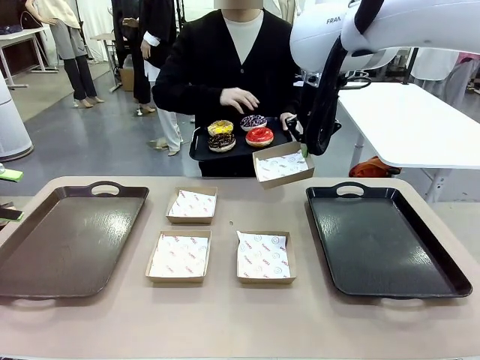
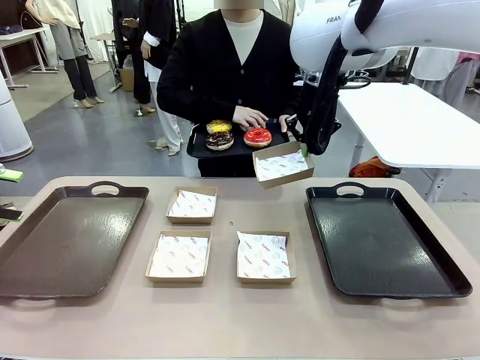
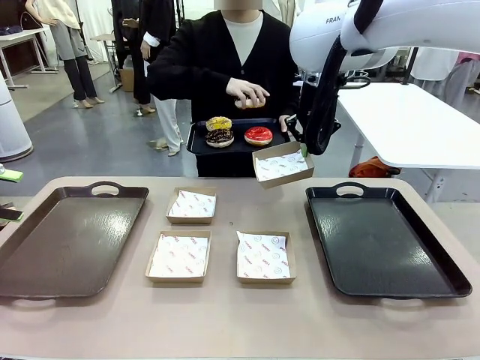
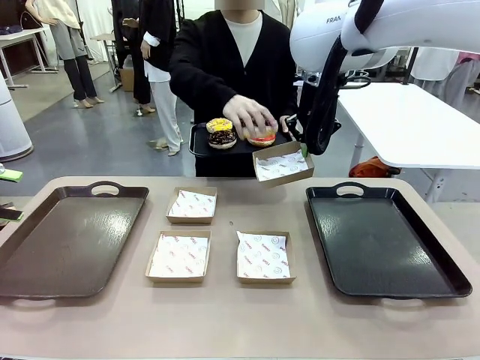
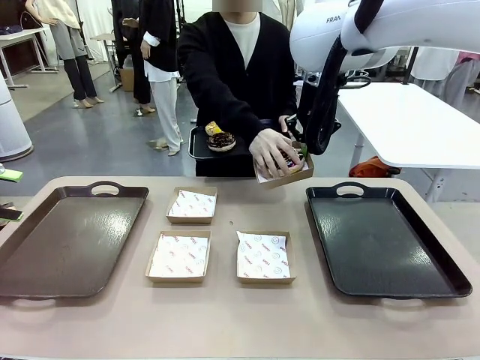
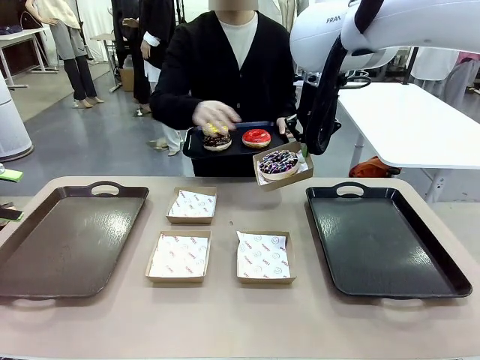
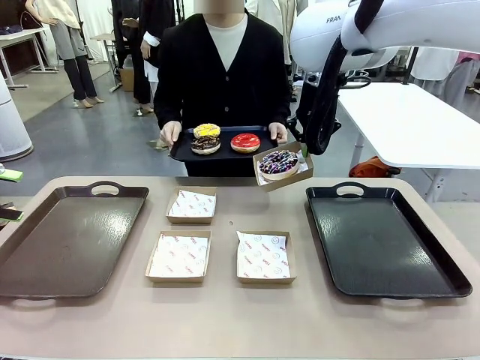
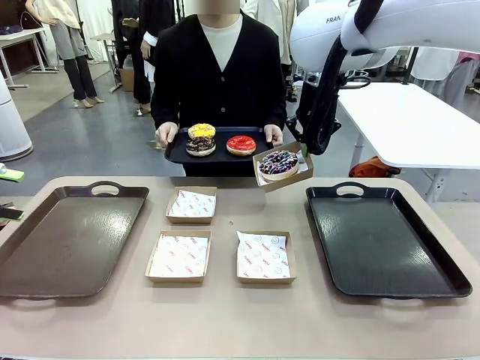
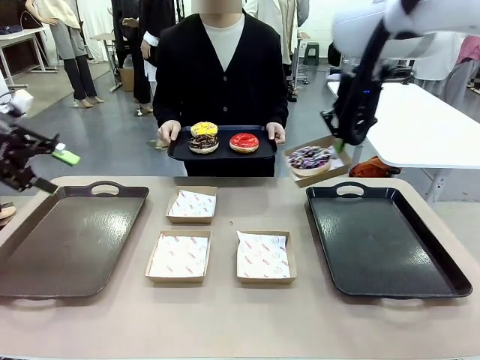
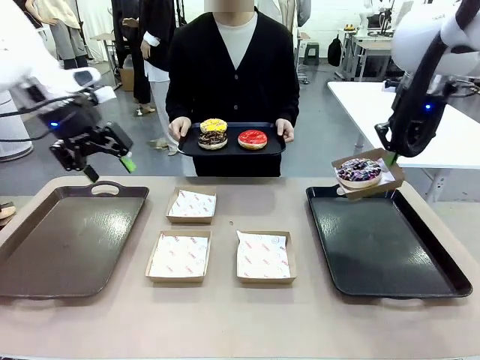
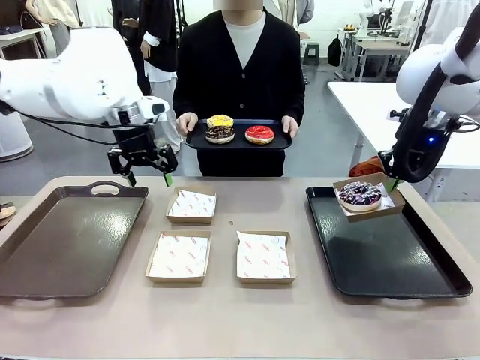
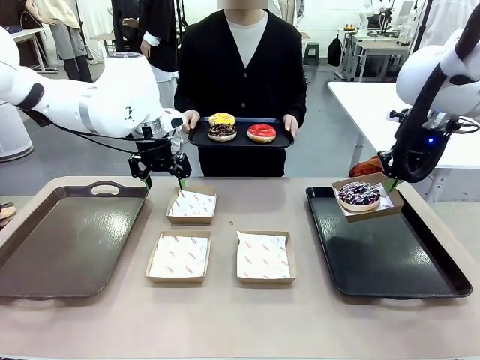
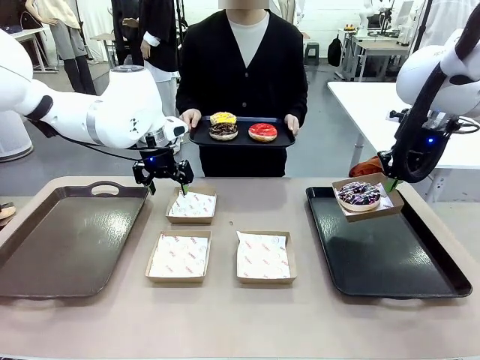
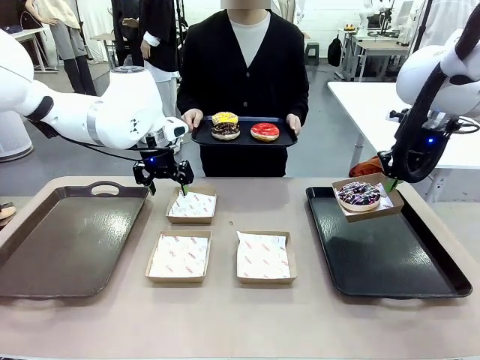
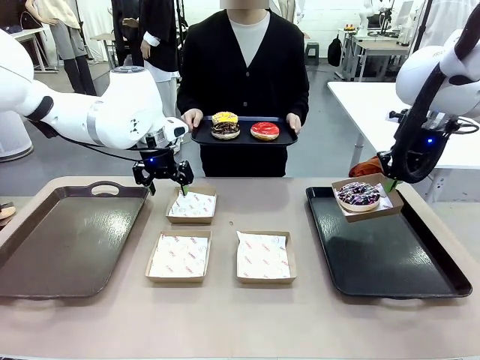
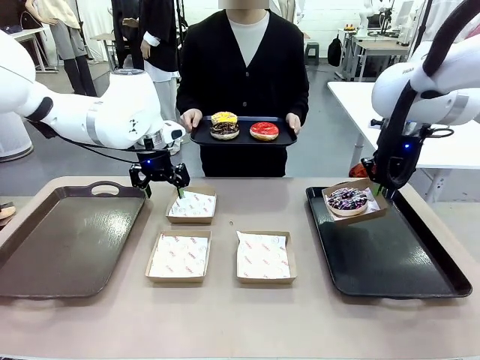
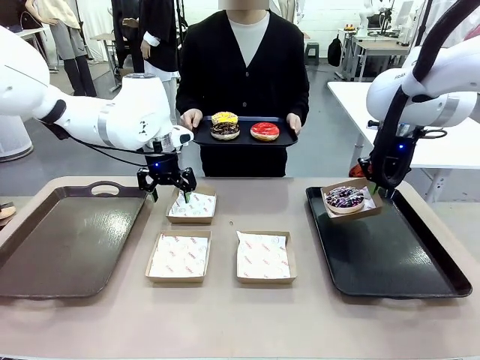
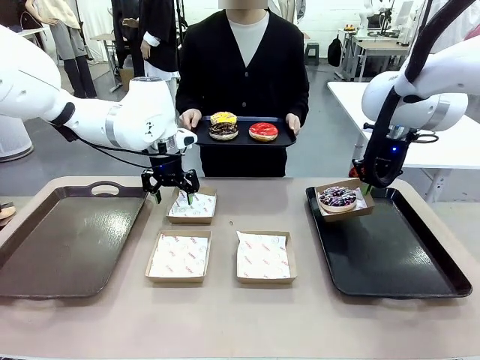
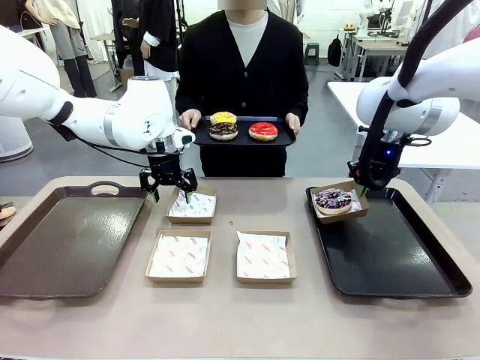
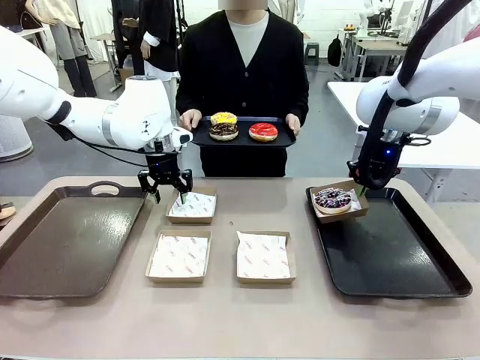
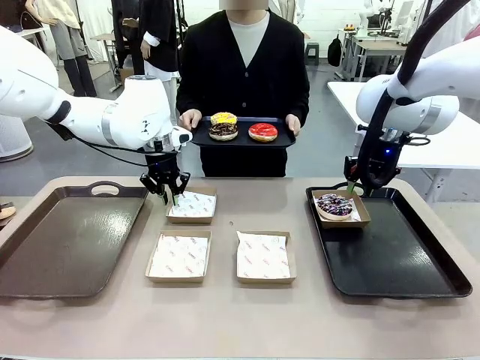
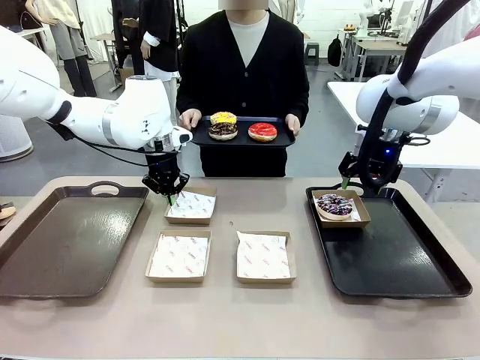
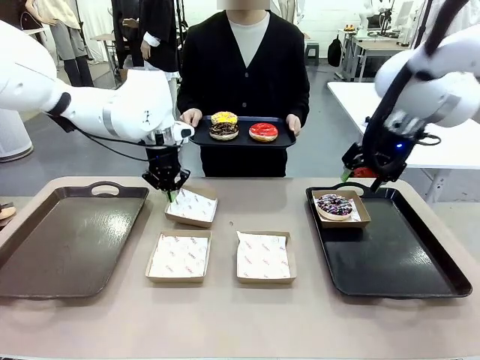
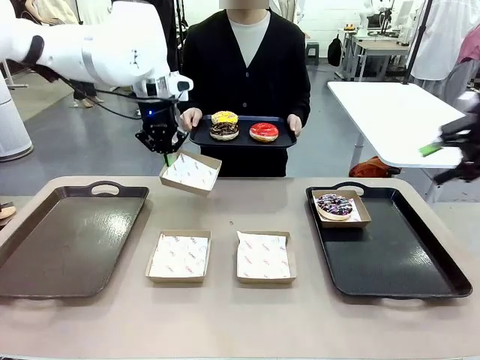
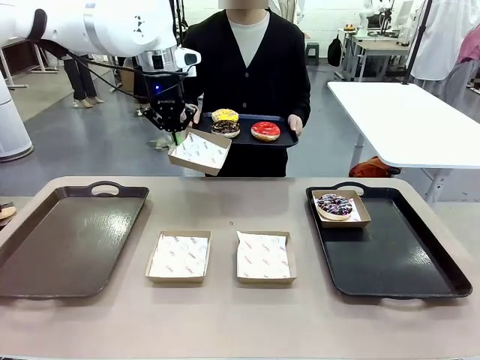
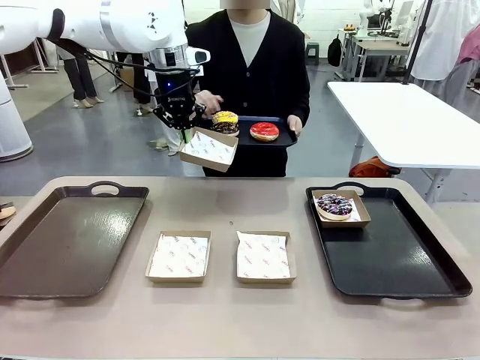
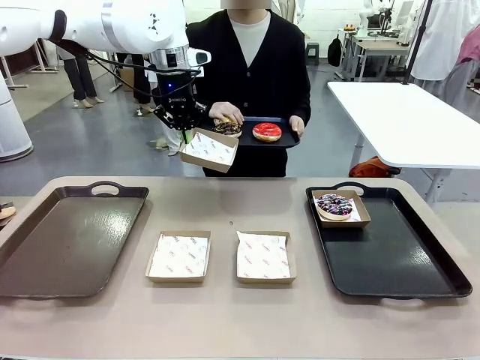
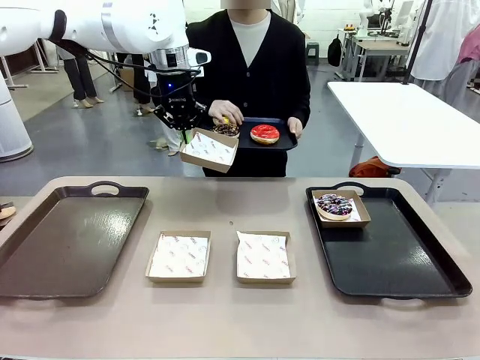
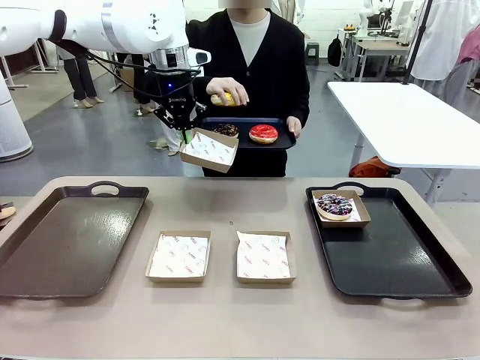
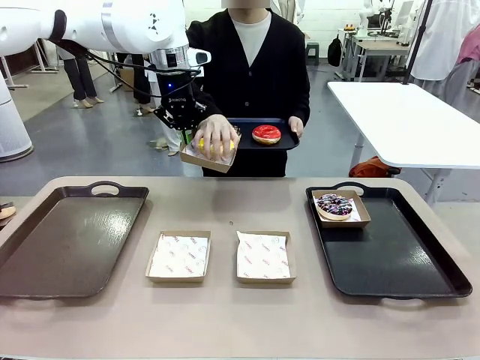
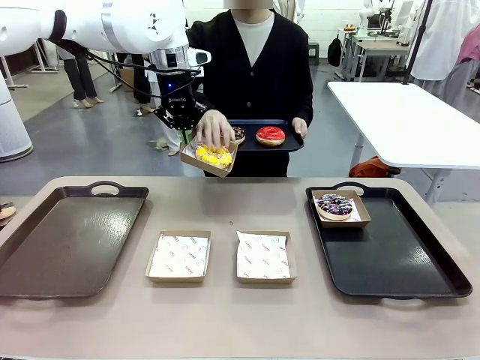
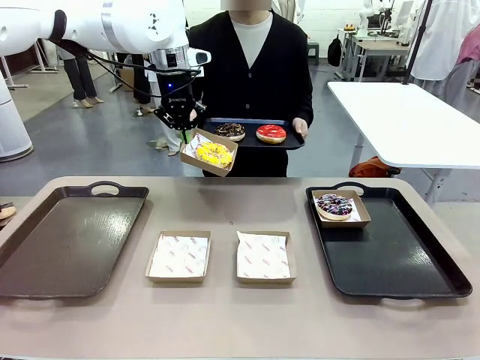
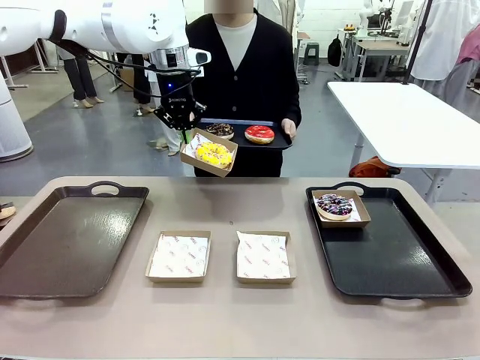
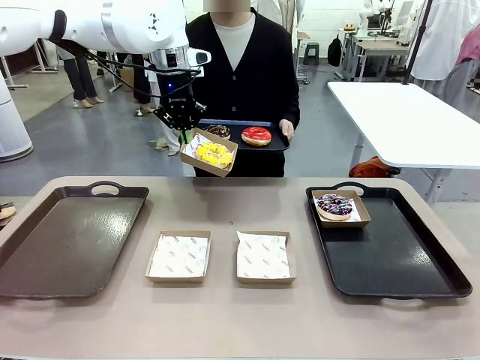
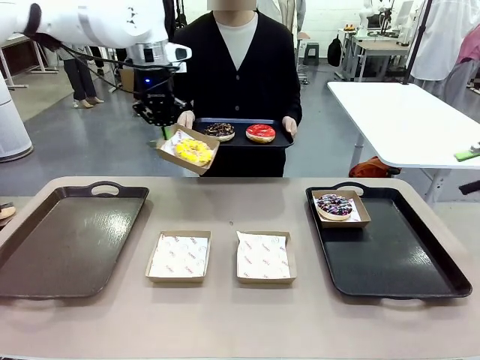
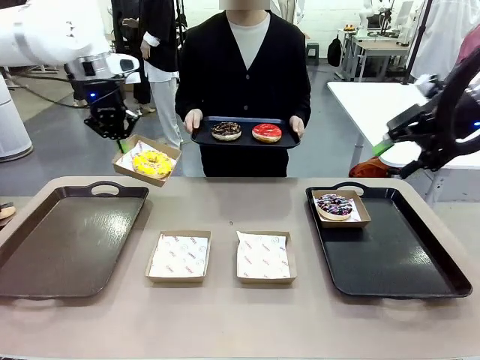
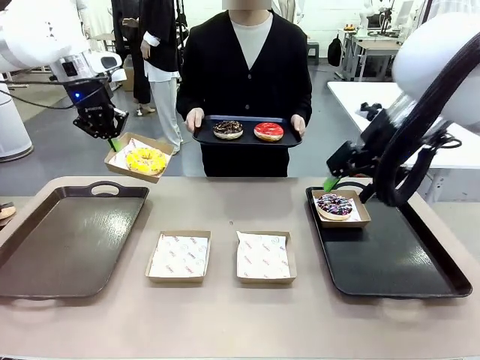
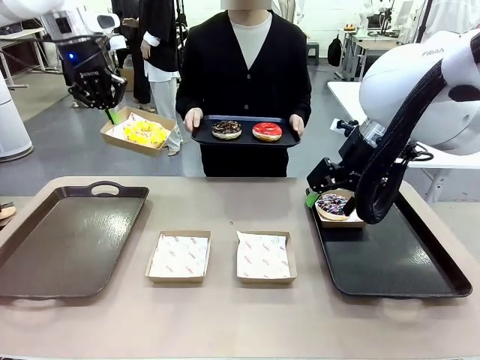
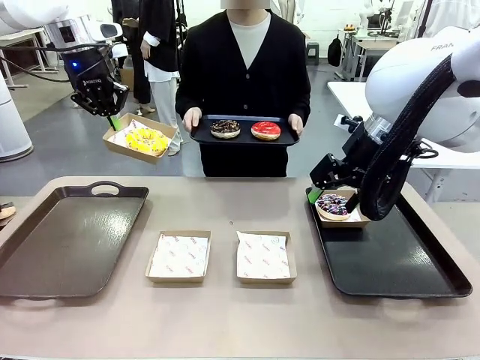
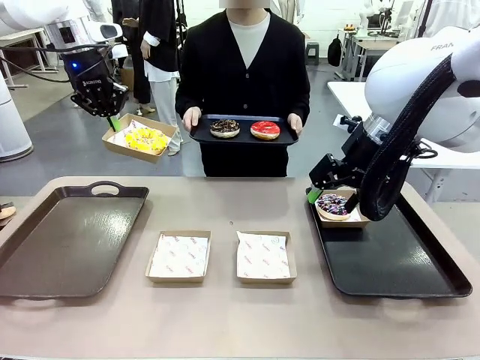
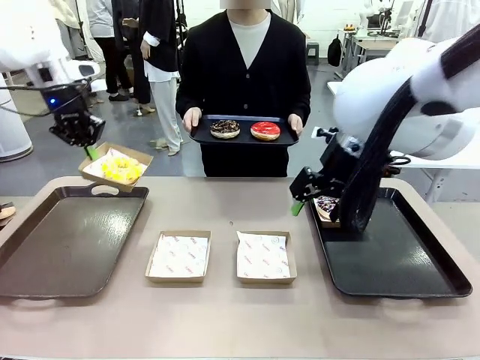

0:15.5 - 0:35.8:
Task: Individually package the donuts and arrange them on the tray.
Robot: Place the picked Paper togo box on the Handle tray while simultaneously picking up another Paper togo box from the table with the other hand.
